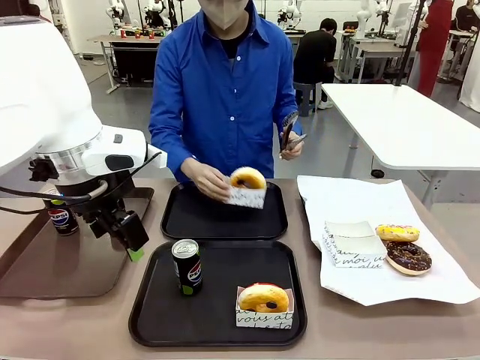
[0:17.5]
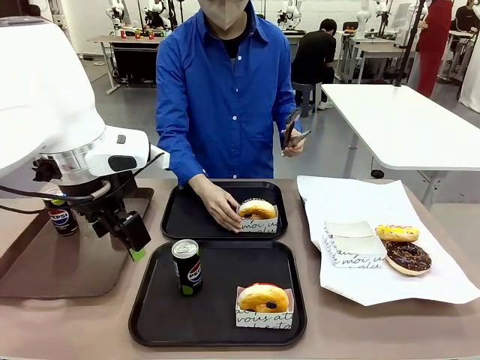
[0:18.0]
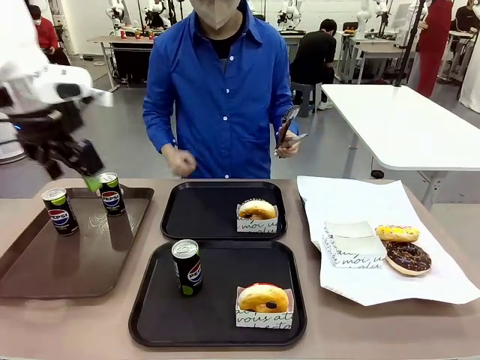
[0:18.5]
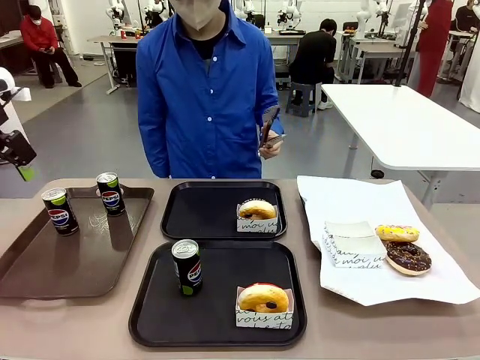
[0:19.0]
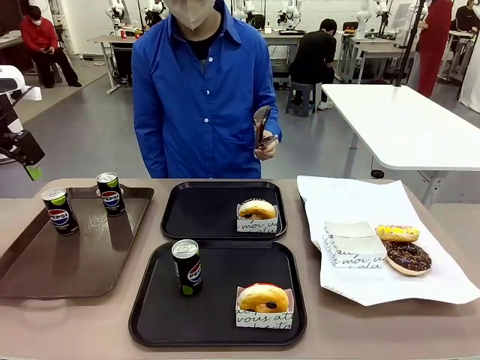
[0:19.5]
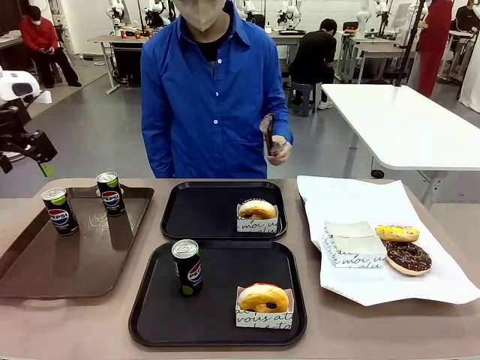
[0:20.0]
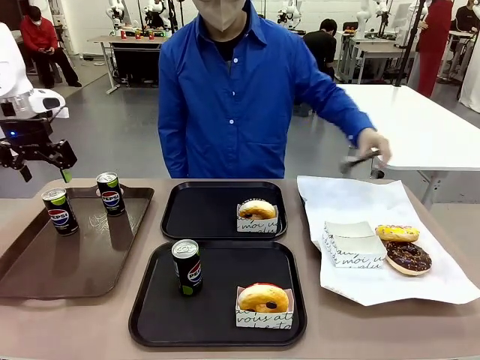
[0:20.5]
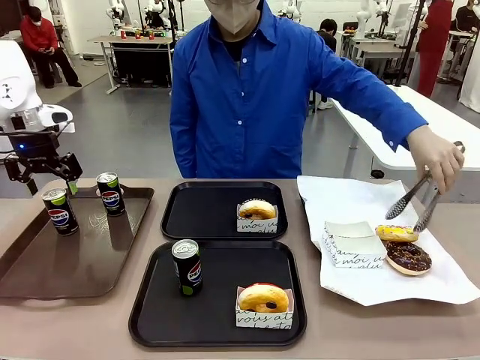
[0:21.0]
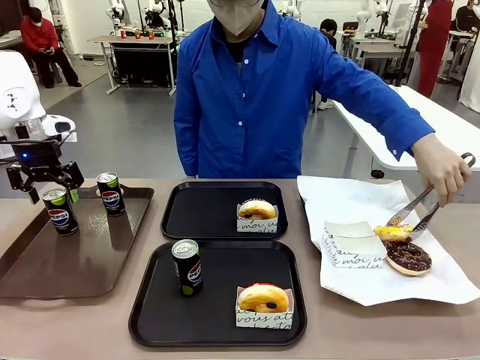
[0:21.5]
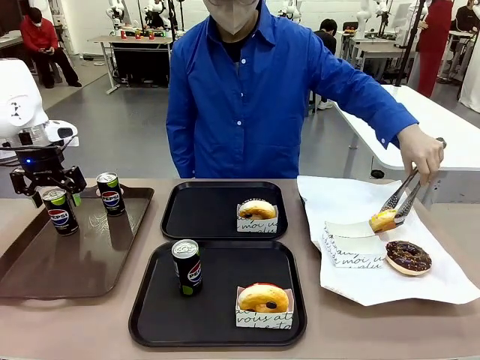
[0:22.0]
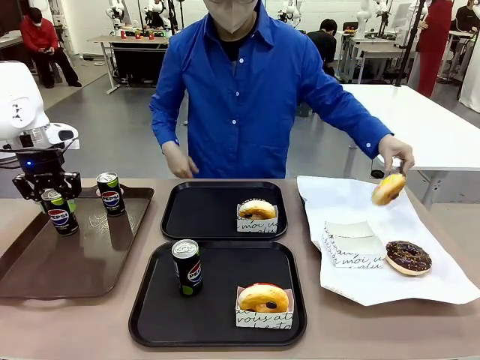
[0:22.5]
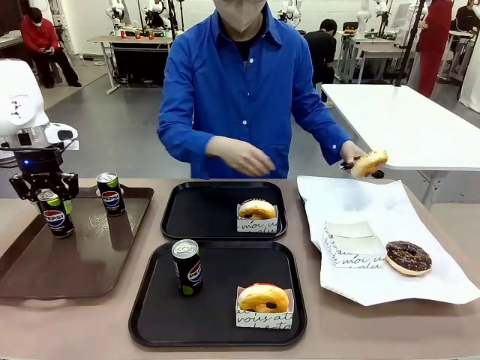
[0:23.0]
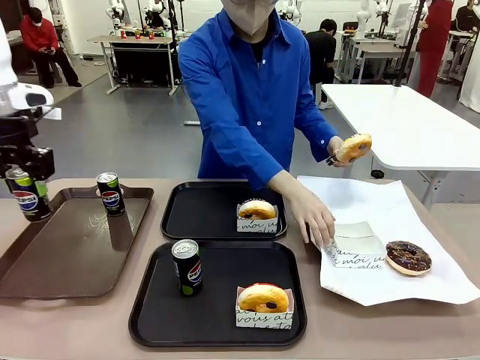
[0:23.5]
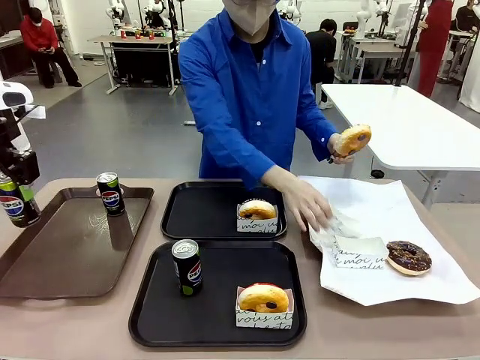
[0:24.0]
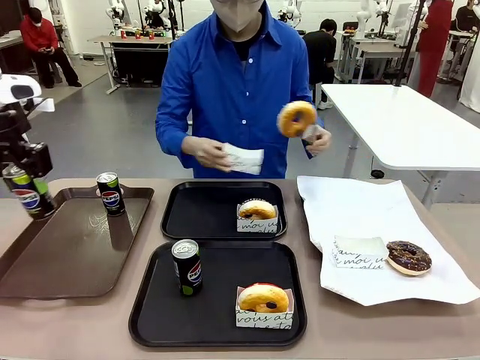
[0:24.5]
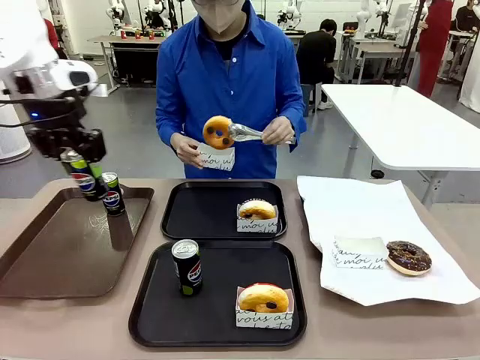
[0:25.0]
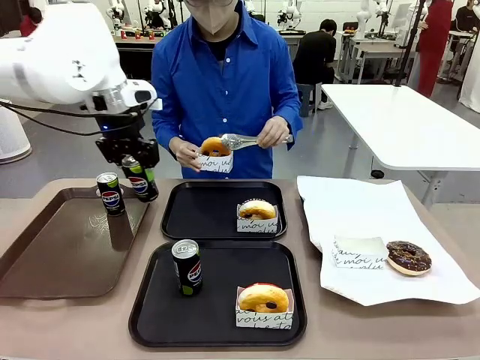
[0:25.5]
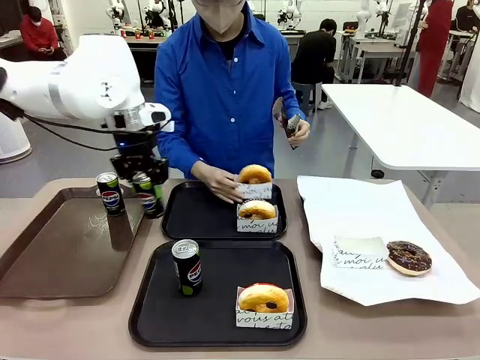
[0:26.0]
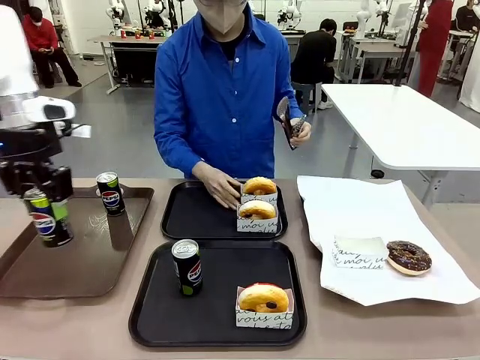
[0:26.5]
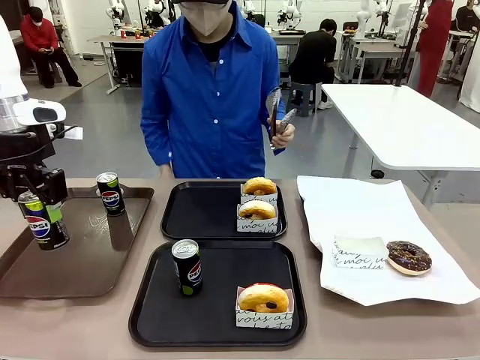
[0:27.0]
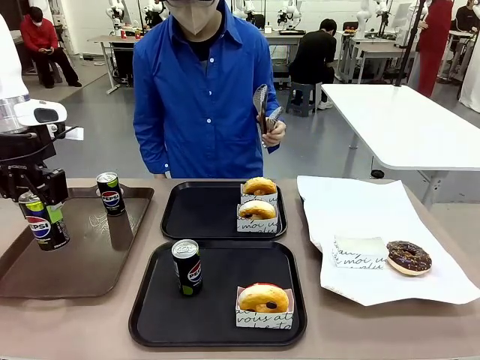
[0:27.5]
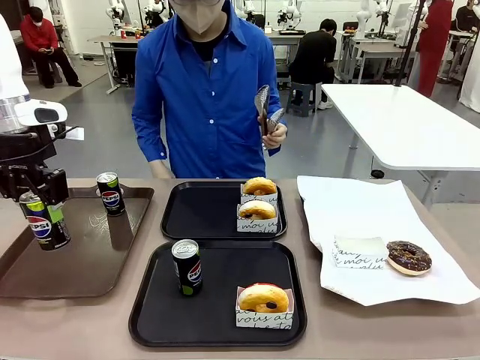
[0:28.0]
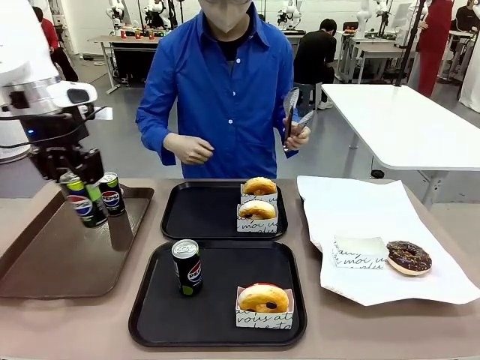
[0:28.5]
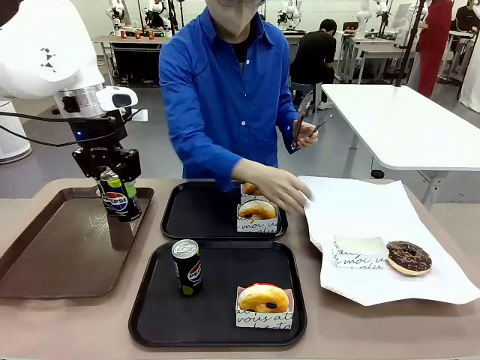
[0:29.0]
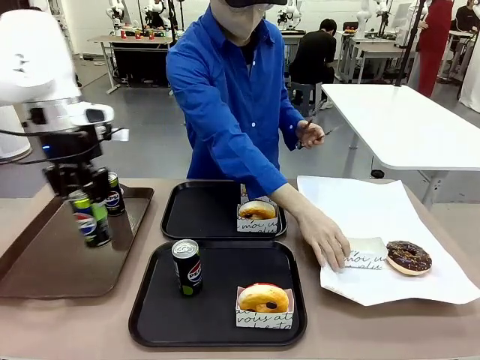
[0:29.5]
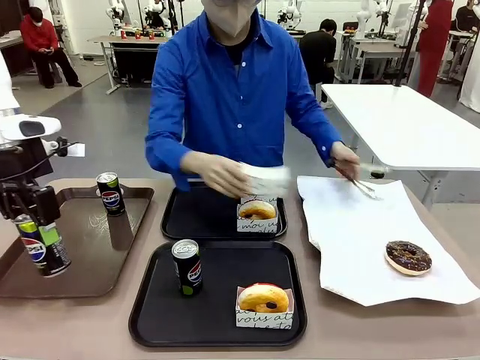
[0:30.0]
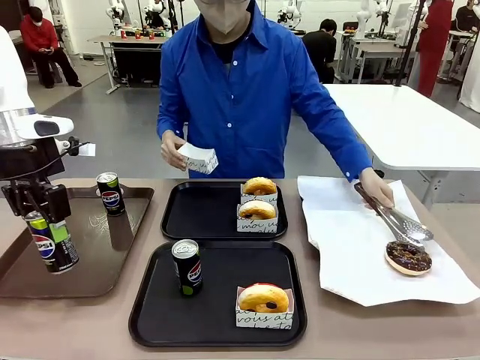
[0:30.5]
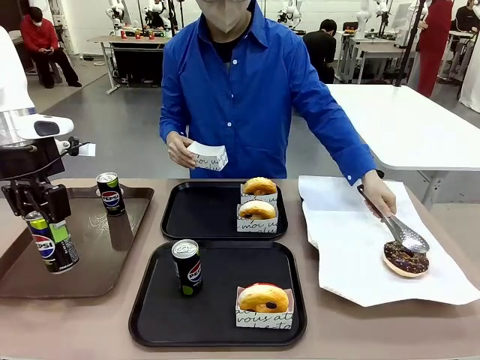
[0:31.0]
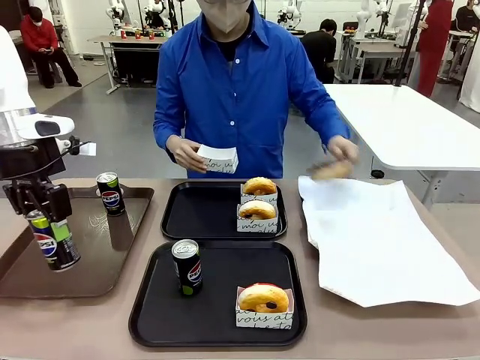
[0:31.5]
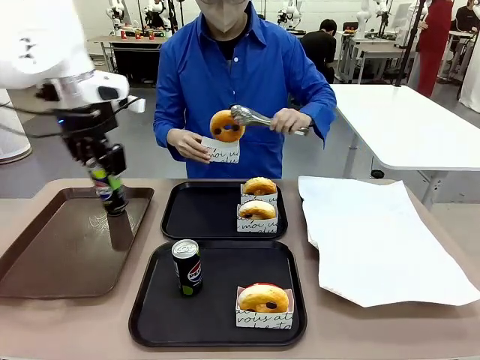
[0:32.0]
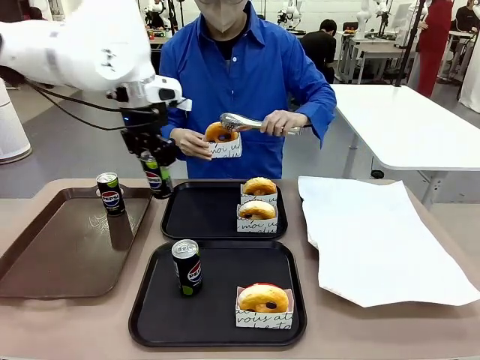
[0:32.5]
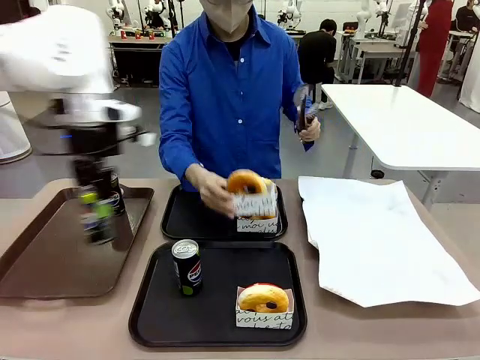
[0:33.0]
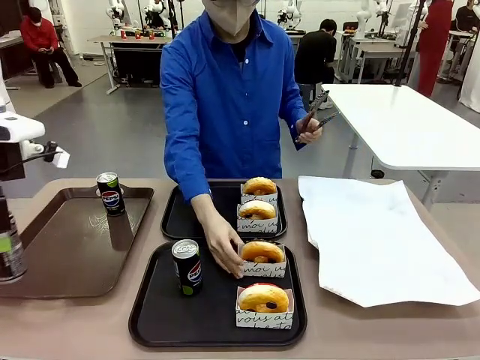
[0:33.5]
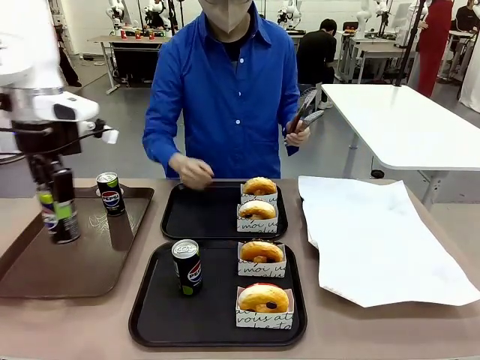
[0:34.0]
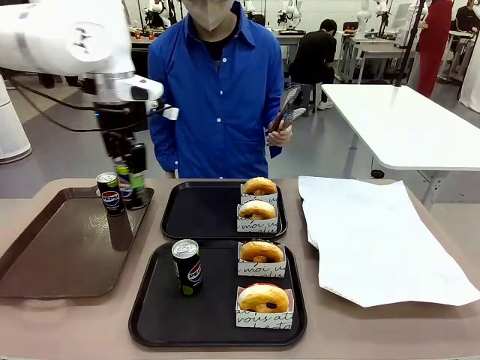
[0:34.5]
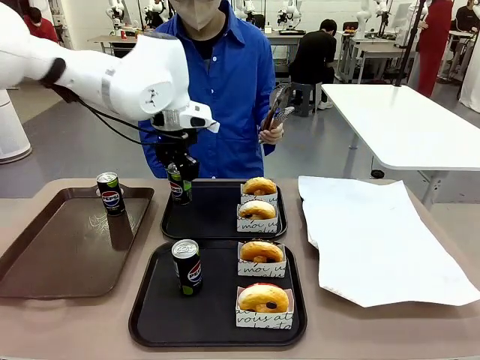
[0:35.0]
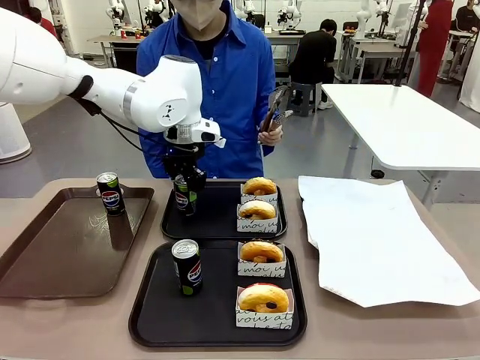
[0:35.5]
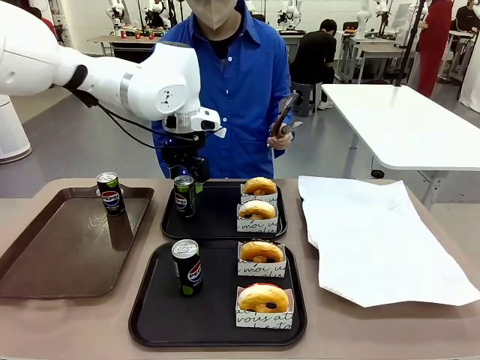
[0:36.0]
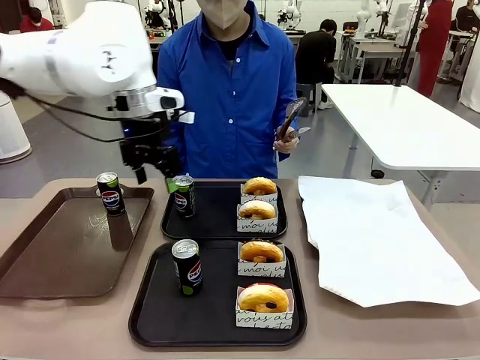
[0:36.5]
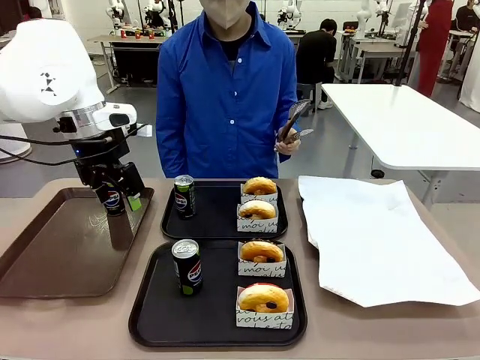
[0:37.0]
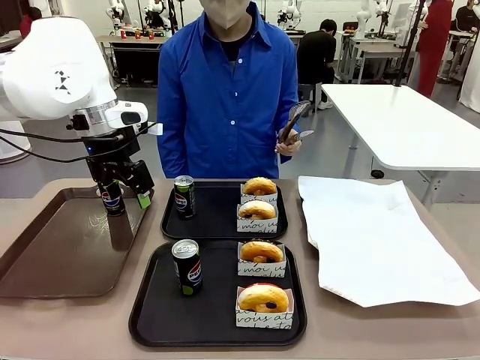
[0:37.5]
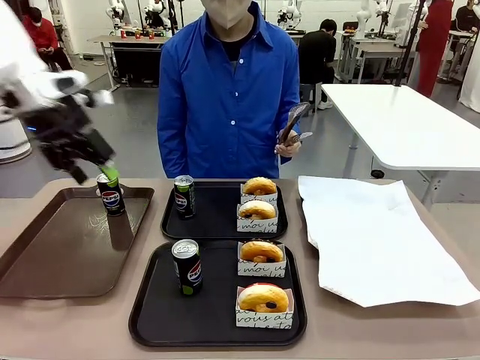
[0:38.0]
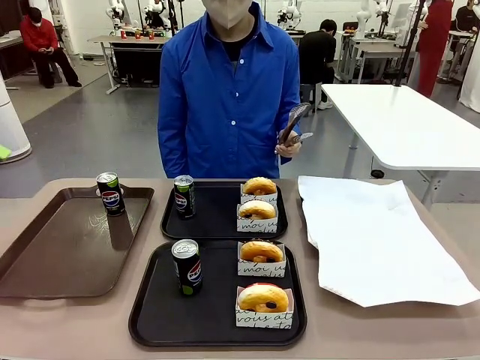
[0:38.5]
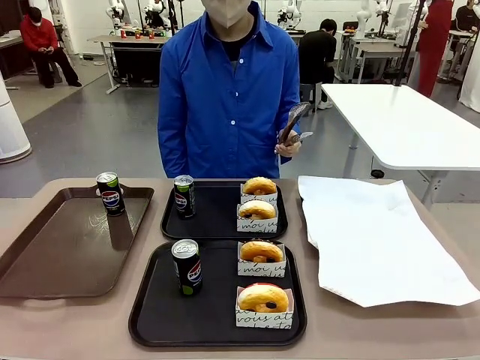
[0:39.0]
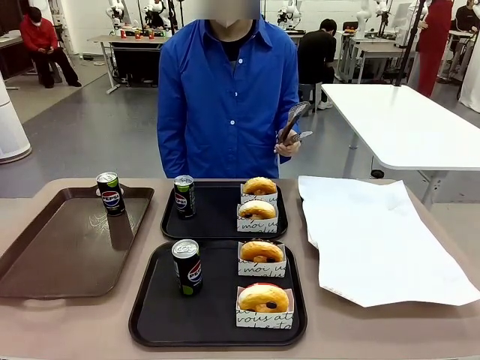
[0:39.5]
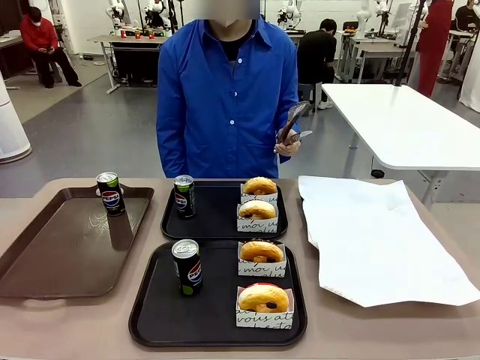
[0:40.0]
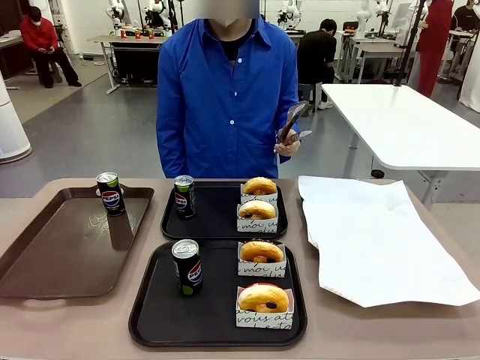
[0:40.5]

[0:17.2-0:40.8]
Task: Set up donuts and drinks on trays.
Robot: Pick up one Pepsi coke from the Handle tray and place it on the Flat Tray without a Pepsi coke.
Person: Pick up one donut with tongs, place it in the donut tray, and then place the donut tray on the flat tray.

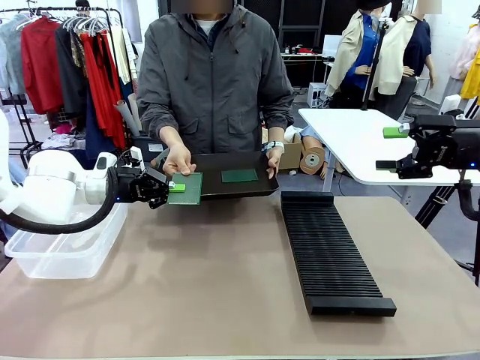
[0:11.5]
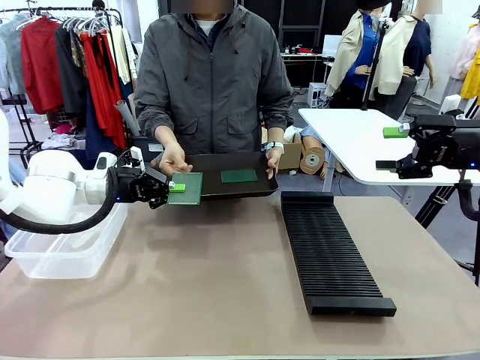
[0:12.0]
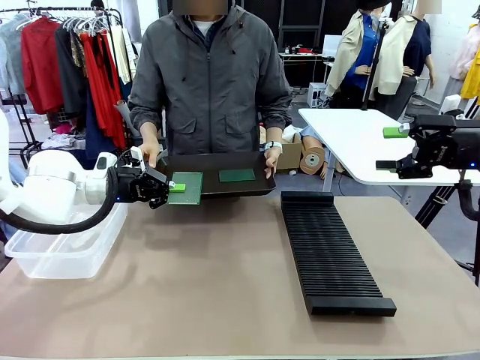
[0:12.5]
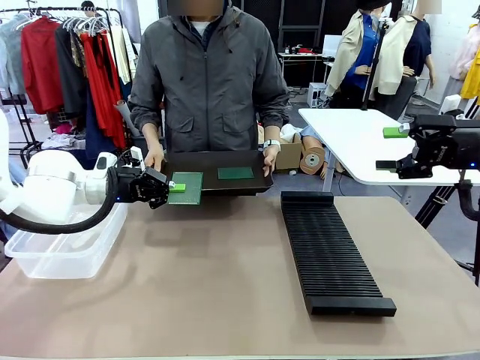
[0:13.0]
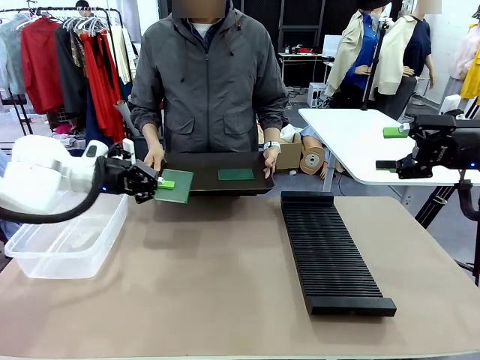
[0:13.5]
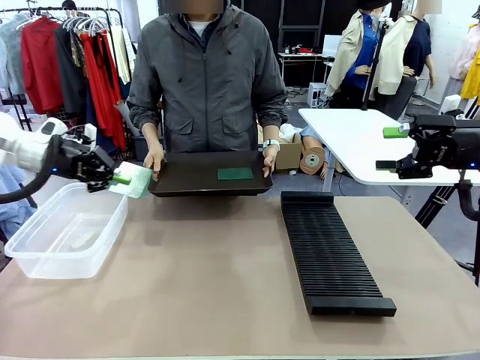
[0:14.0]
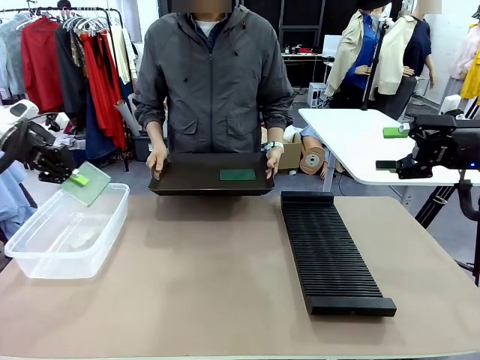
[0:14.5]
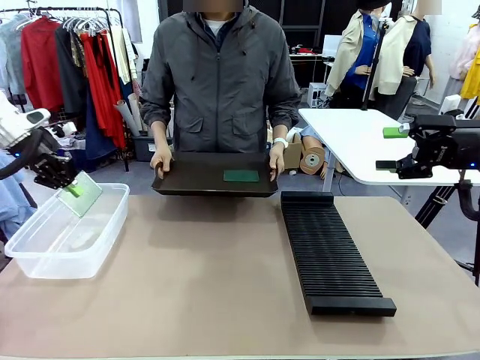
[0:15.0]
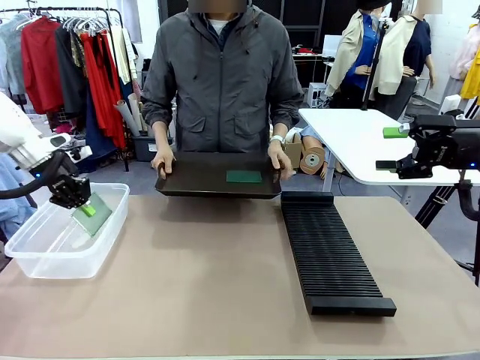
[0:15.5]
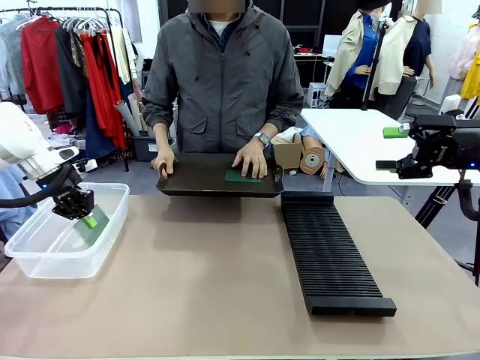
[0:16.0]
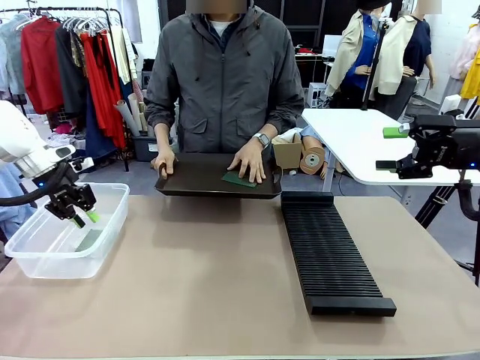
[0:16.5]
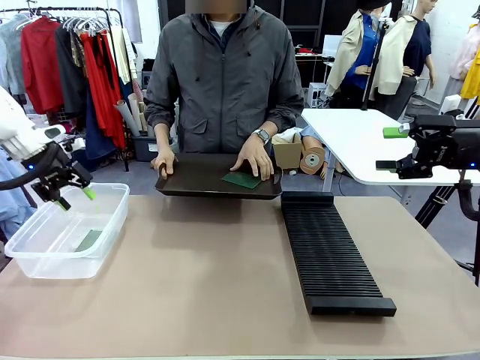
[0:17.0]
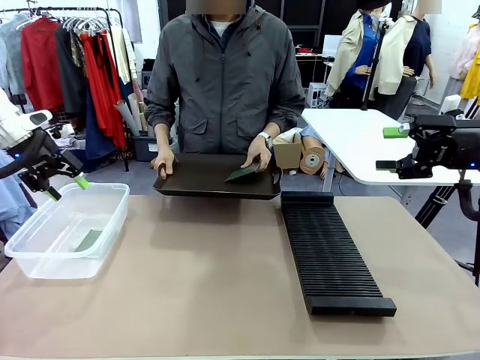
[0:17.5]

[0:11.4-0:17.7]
Task: Sort PCBs into racks and boxes based on the side picked up.
Robot: If the short side of the Blank PCB is picked up, insert it into the PCB Rack ; if the long side is picked up, place it in the Organizing box.
Person: Pick one PCB from the tray and present it to the robot.
